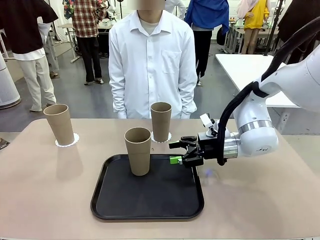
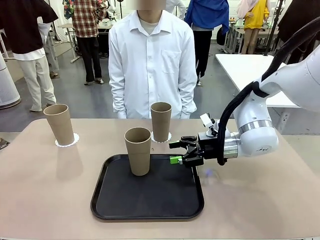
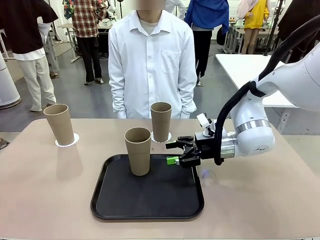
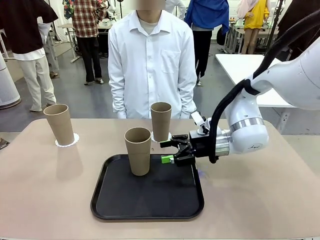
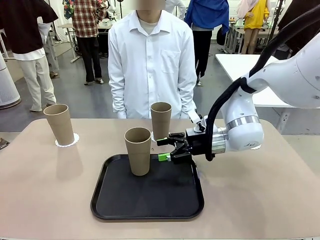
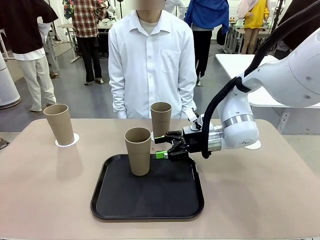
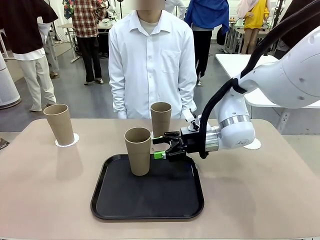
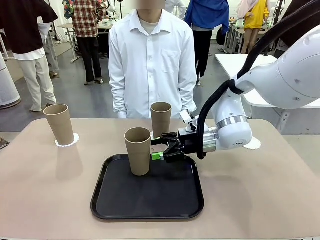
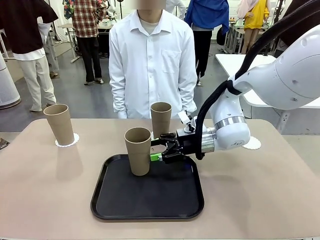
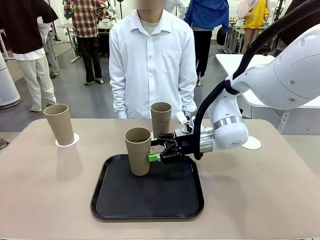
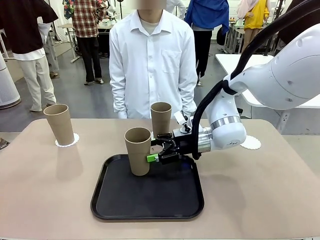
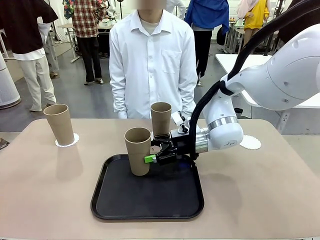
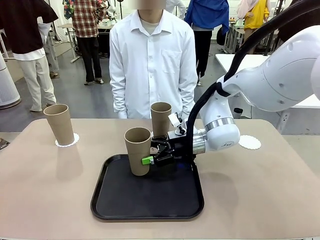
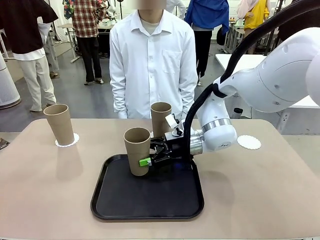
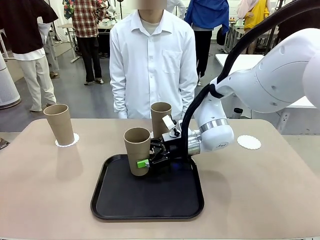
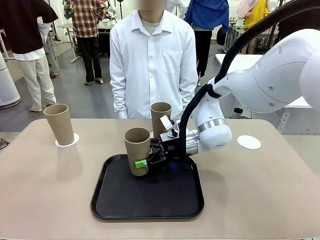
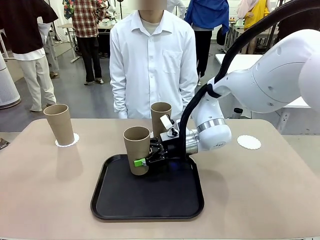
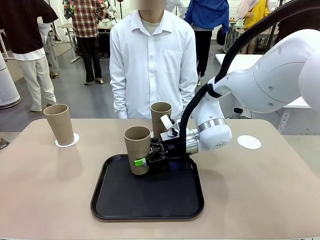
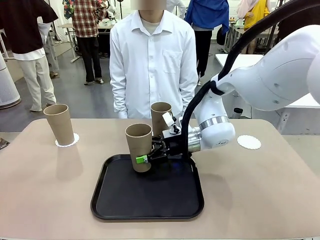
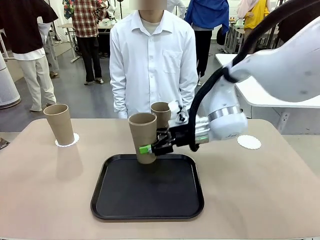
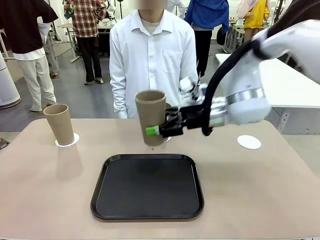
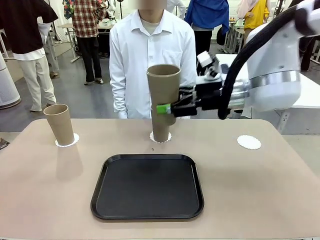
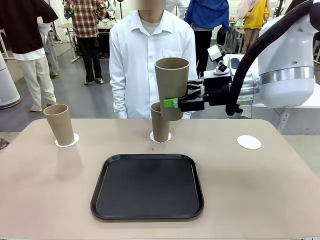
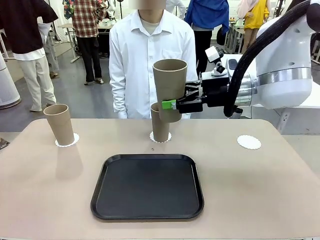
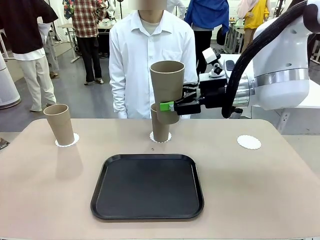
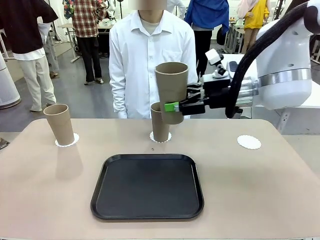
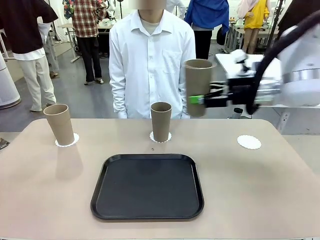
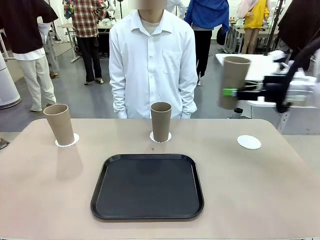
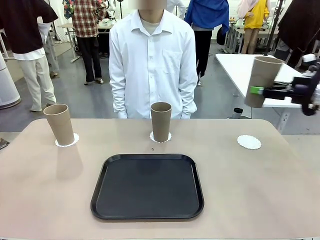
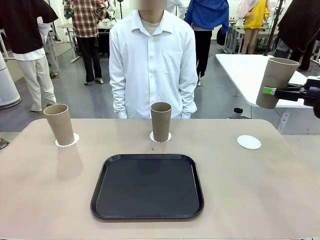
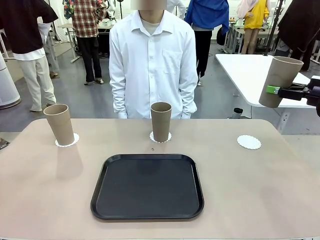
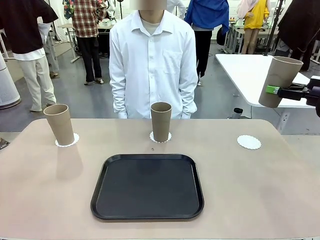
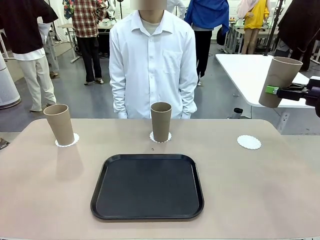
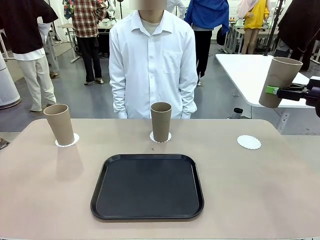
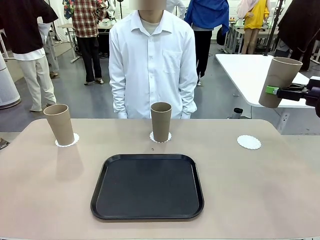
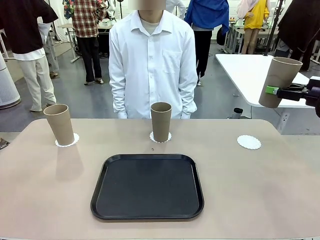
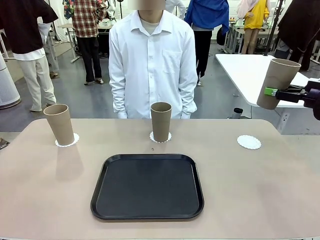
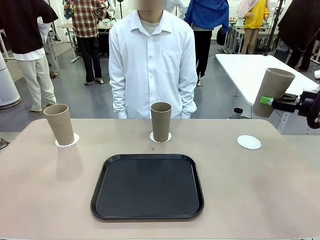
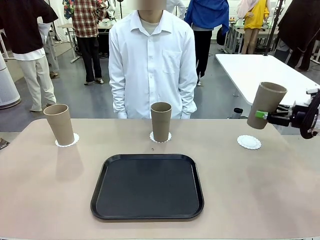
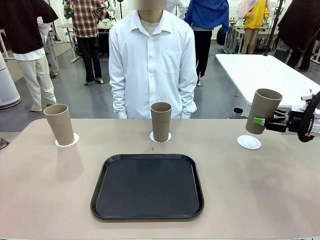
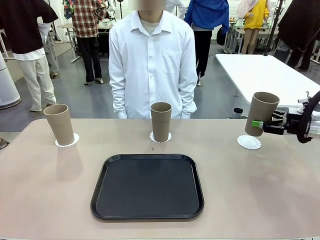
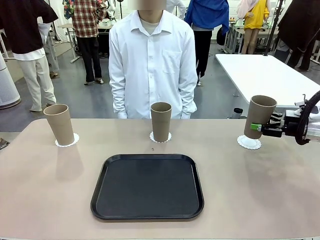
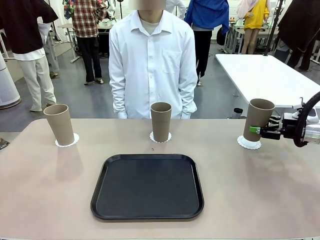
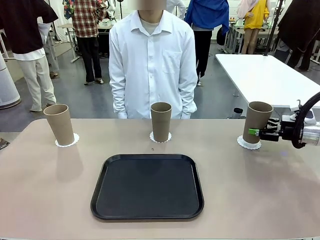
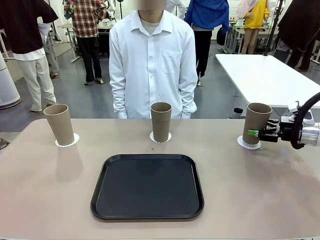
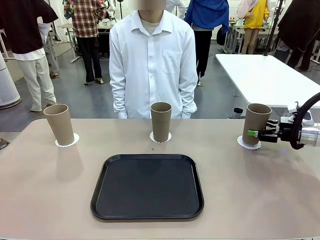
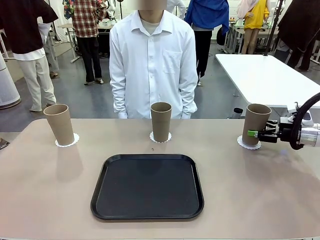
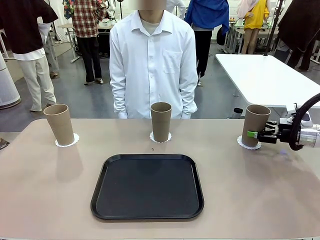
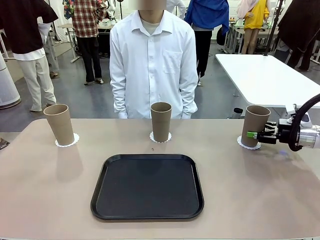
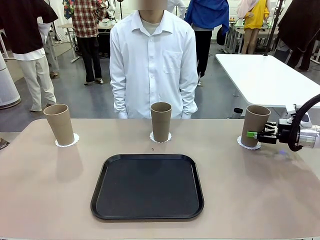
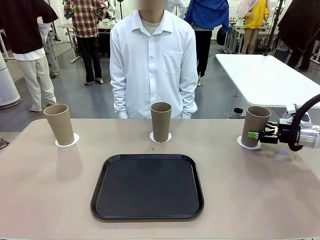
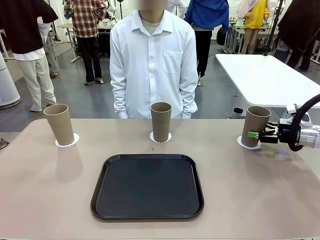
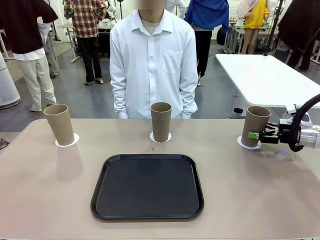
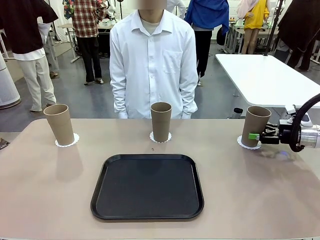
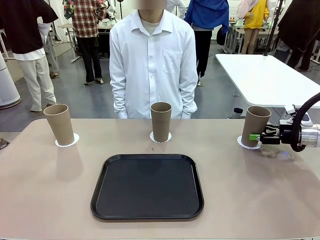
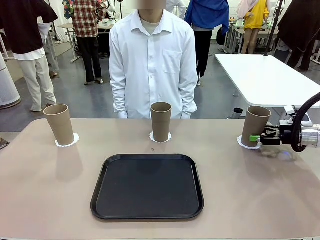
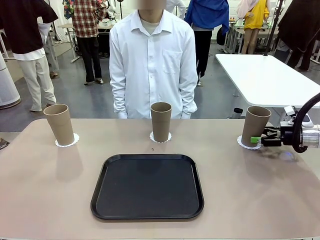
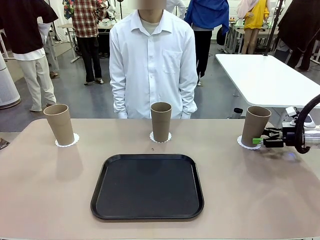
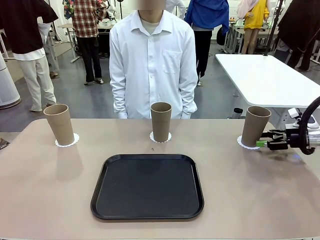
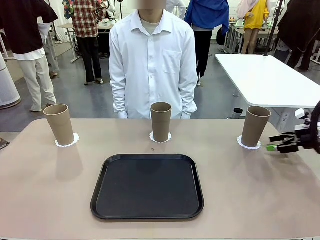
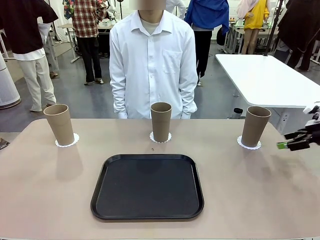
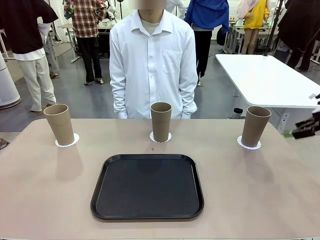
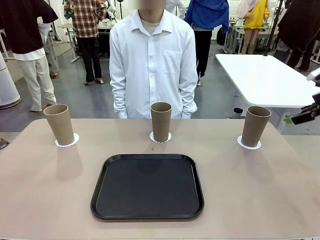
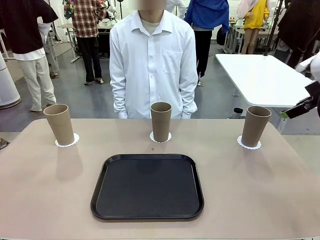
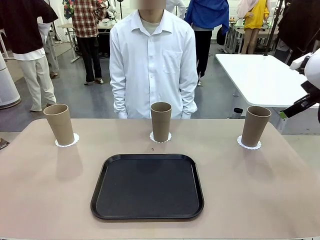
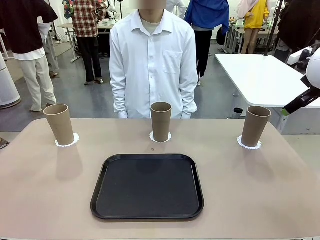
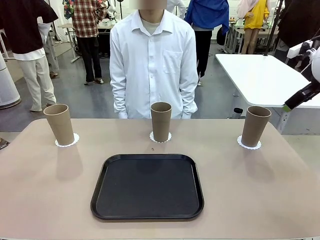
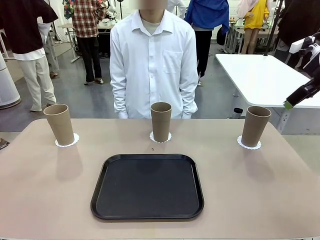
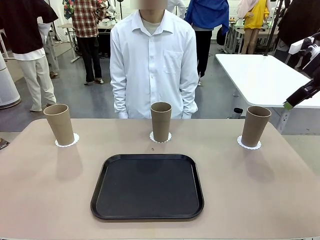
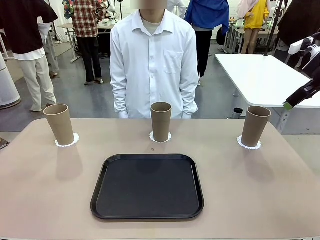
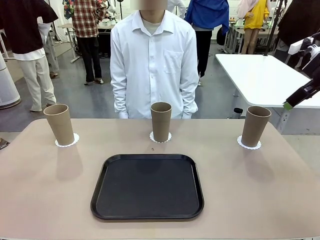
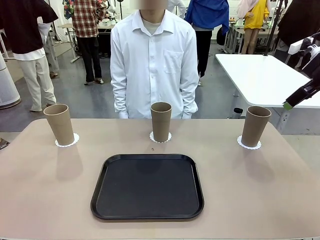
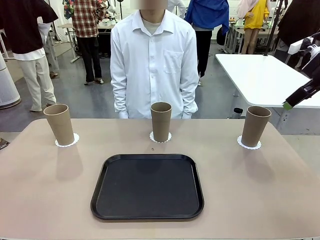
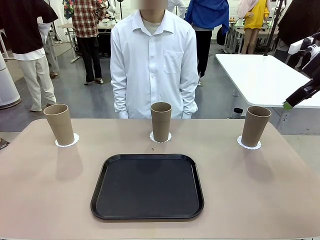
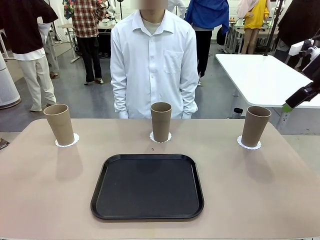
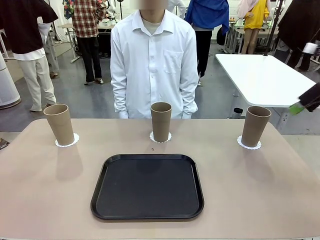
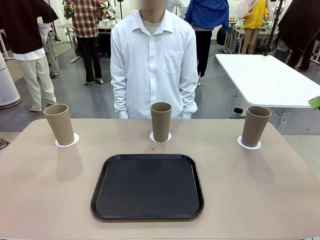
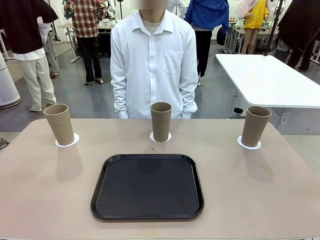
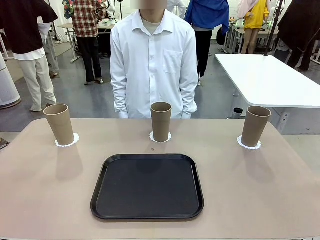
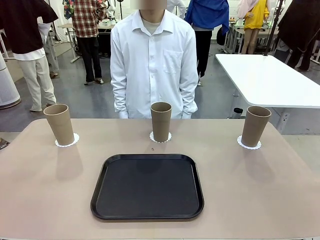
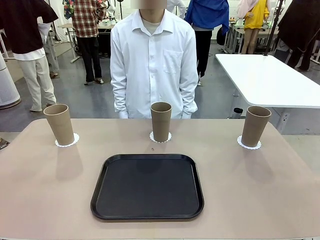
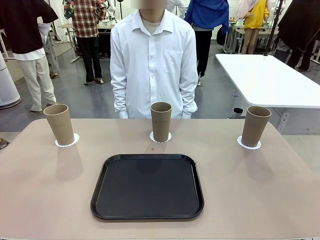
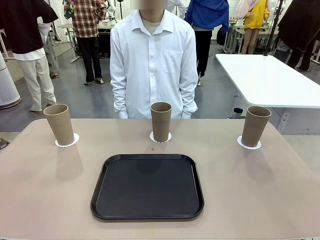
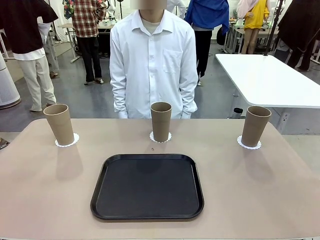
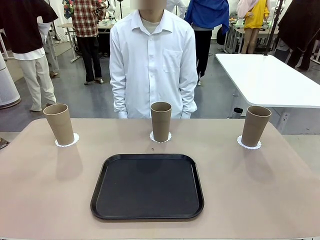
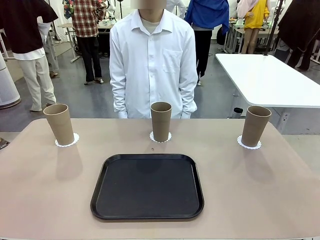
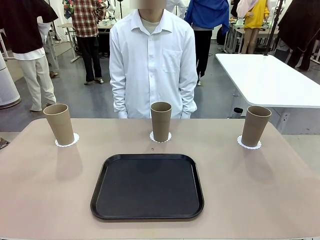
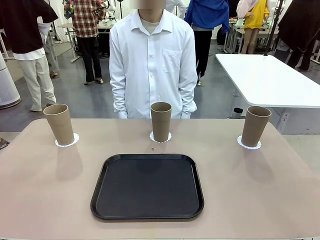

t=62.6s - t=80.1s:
Task: Place coasters on the table and set cups on them.
Robot: Take one Reusable plastic cup from the Flat Tray and place it on a coaster set by the human.
